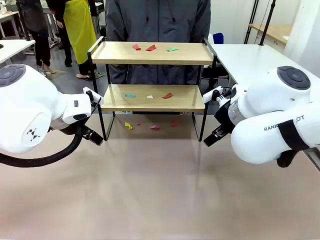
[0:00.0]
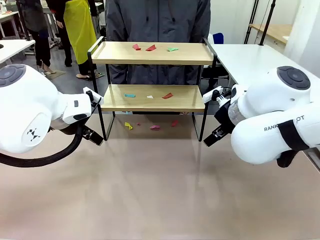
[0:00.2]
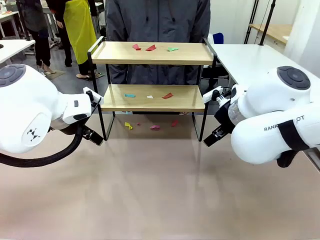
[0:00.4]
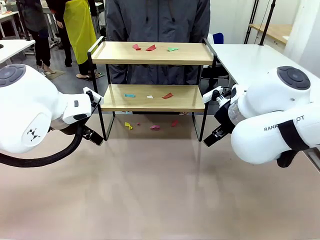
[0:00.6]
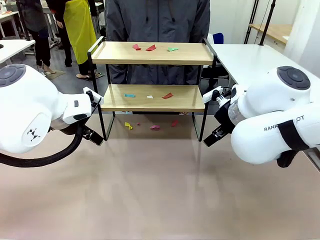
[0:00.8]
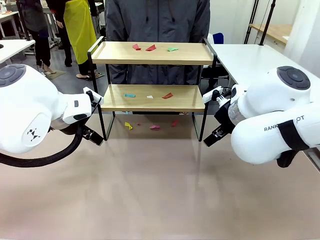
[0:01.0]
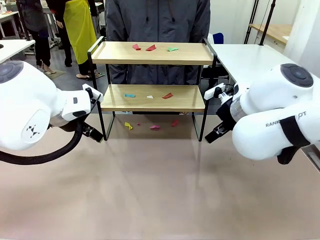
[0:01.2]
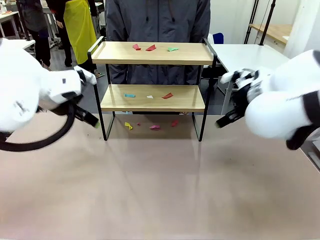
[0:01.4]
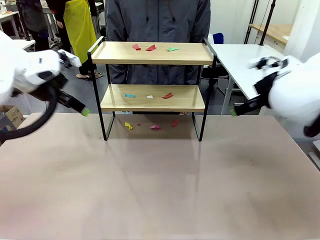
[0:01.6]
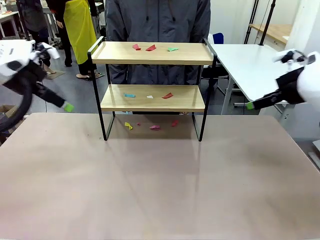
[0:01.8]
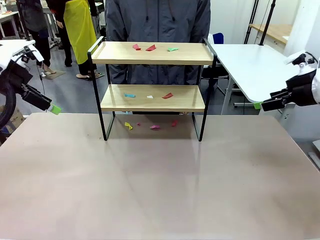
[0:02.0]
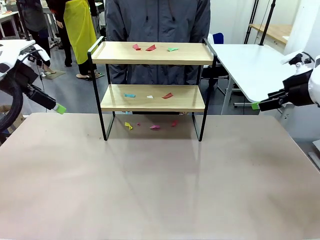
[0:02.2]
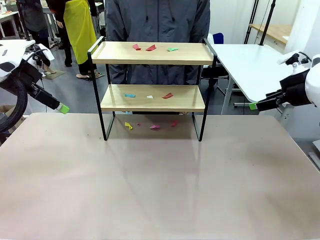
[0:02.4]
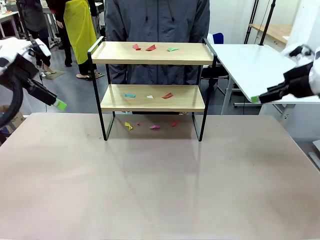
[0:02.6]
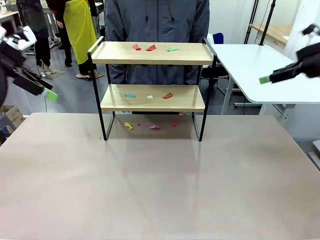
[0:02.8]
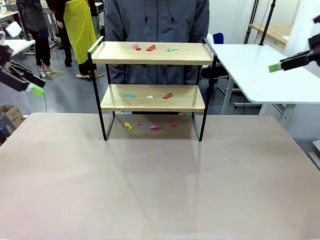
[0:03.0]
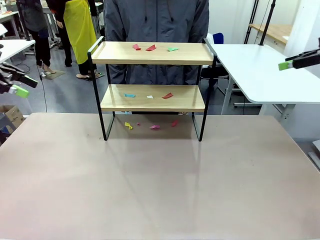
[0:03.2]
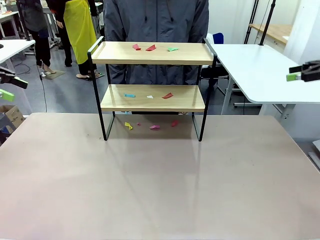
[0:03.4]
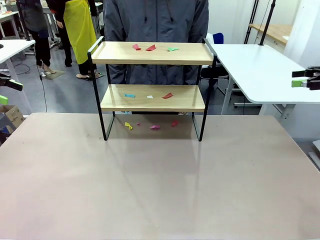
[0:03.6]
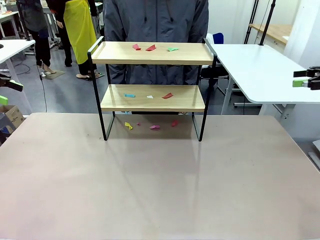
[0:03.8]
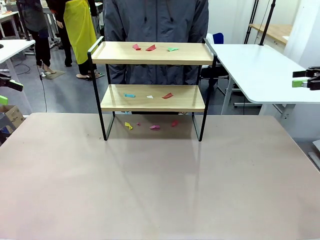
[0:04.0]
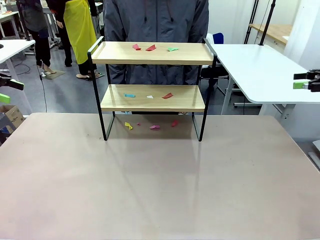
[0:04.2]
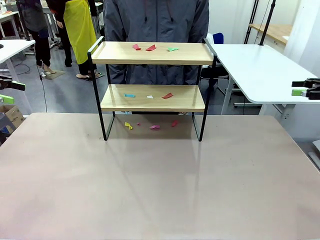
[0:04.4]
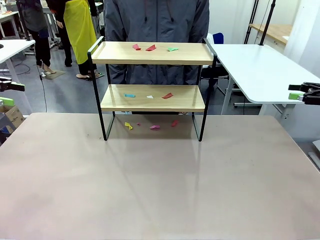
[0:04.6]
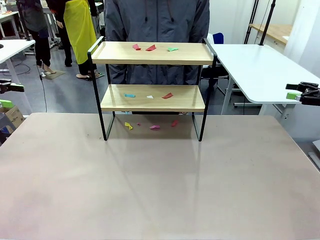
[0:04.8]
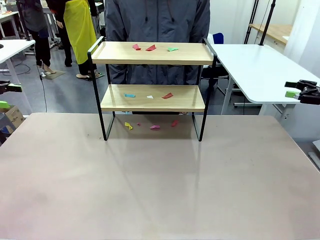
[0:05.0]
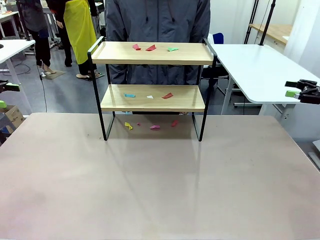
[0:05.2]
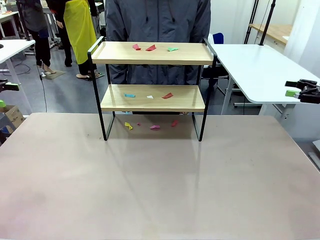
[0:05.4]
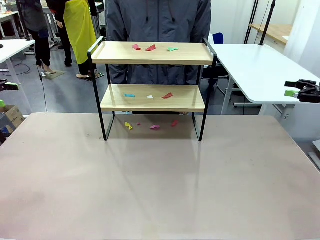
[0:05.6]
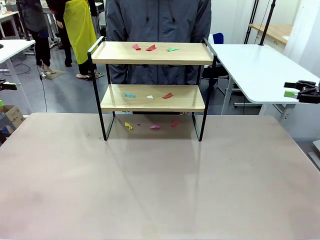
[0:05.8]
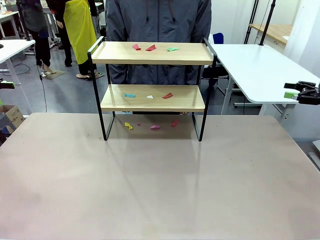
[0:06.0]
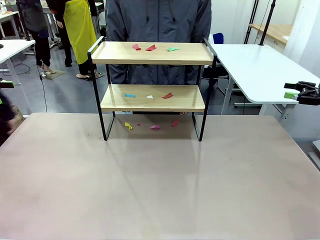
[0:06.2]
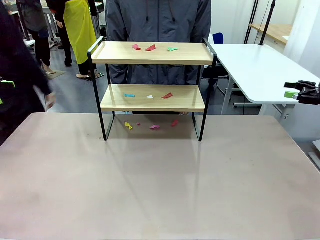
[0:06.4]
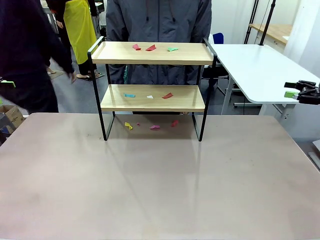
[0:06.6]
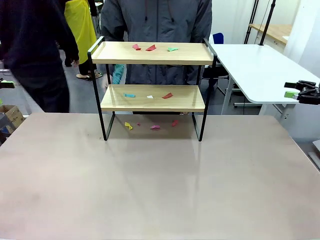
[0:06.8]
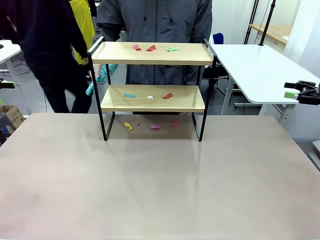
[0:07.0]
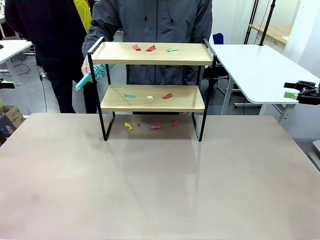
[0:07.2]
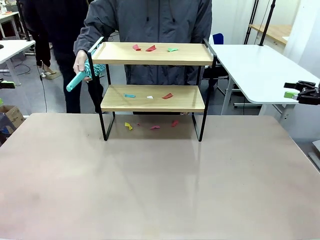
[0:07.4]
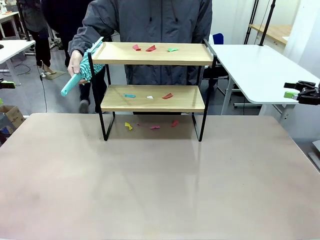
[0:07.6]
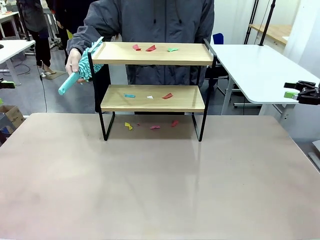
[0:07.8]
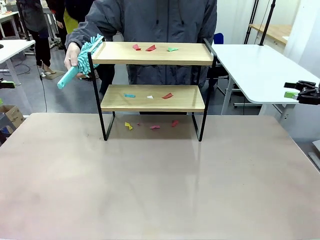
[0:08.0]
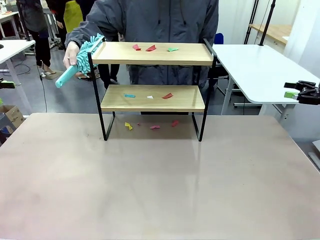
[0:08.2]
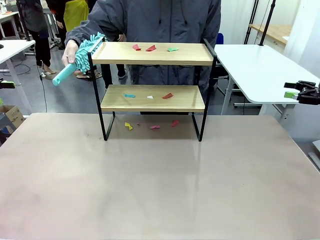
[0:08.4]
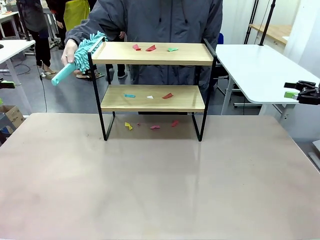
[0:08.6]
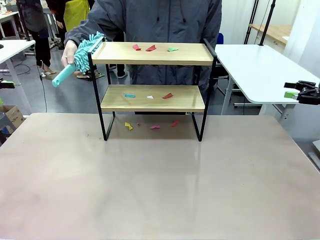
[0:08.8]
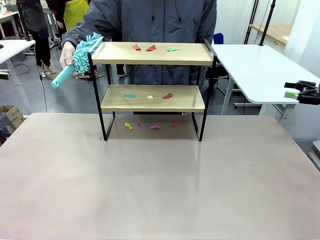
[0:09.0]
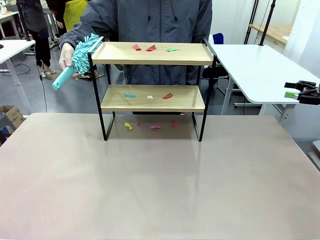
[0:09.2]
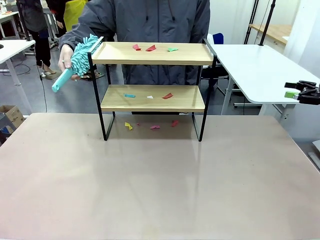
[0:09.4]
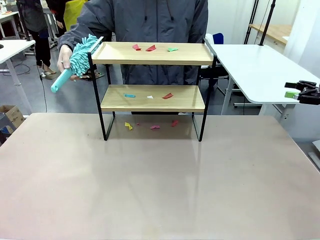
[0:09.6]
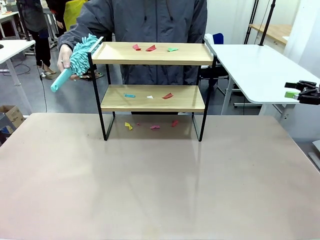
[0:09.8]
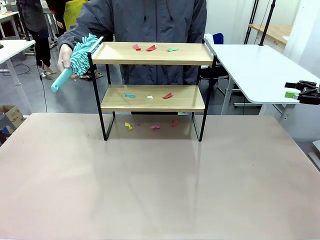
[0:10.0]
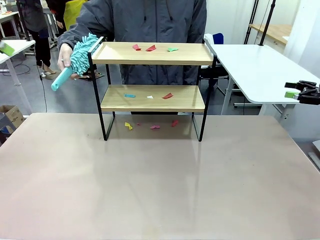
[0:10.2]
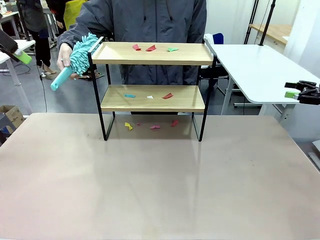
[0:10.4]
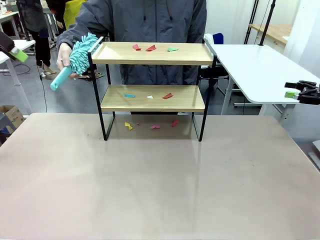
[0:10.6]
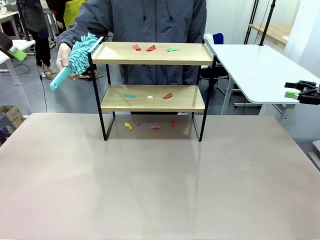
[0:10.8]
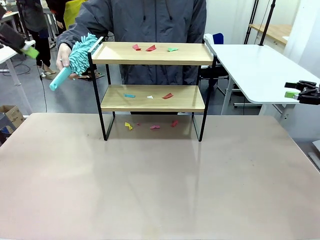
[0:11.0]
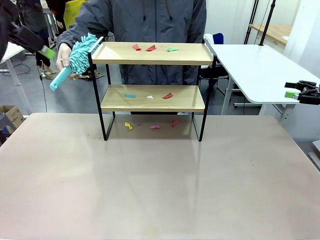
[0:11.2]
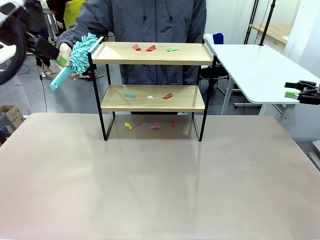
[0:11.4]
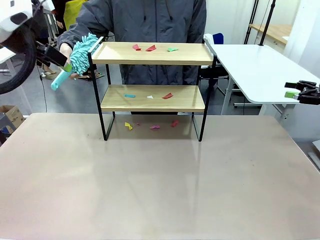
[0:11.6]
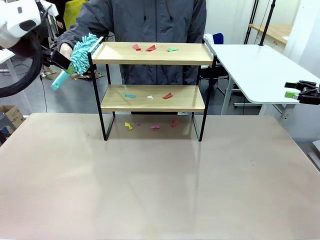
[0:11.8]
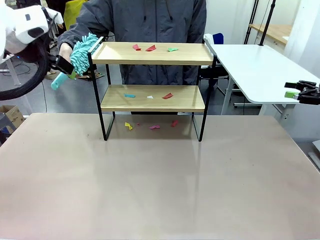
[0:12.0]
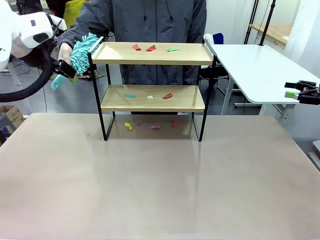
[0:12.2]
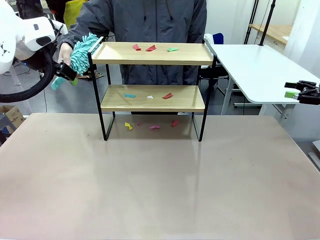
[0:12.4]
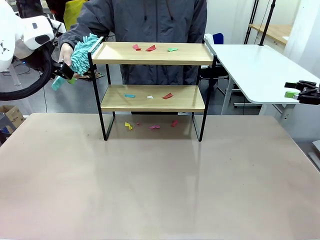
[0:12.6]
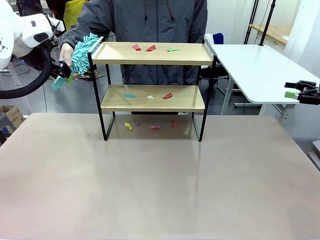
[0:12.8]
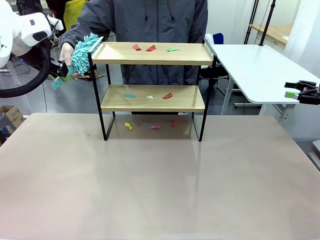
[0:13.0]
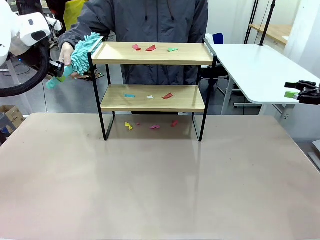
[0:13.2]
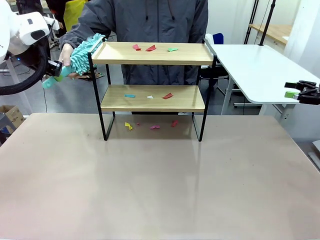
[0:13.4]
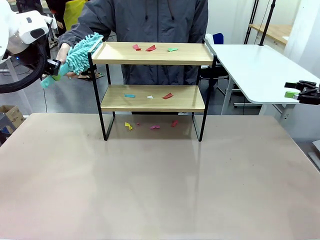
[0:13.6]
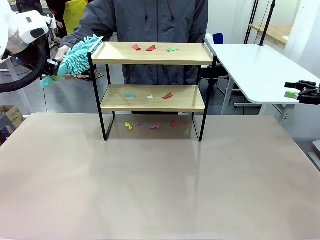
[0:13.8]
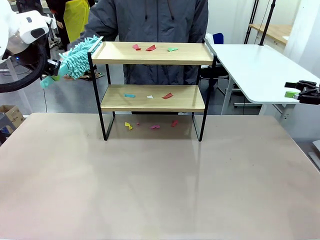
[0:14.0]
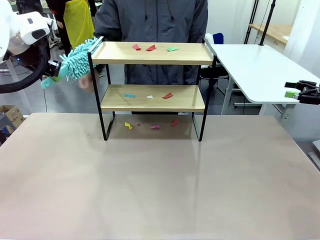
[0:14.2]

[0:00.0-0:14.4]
Task: Clean the shelf.
Robot: Pick up the Duster handed by the human.
Person: Hand the Duster to the robot.
